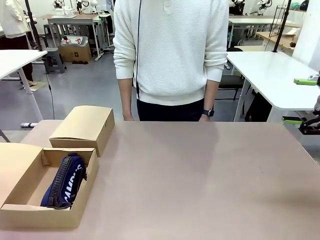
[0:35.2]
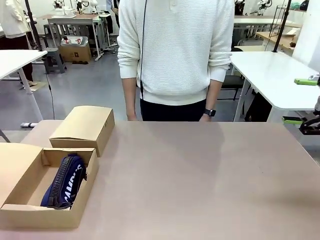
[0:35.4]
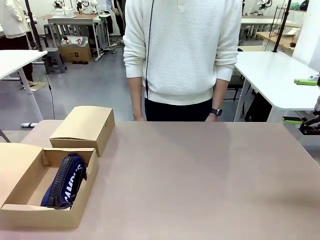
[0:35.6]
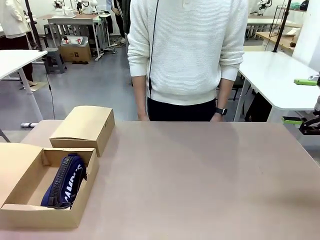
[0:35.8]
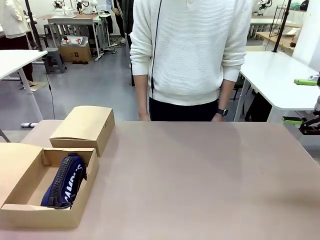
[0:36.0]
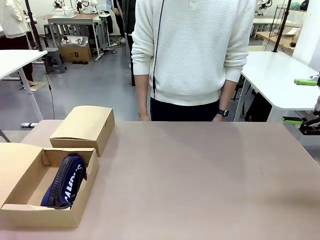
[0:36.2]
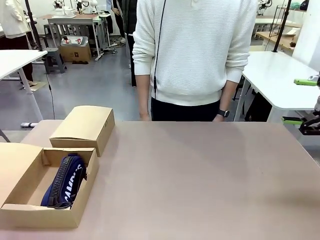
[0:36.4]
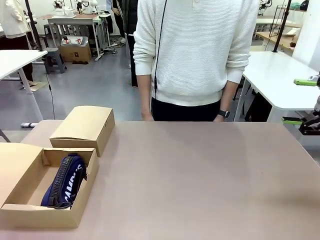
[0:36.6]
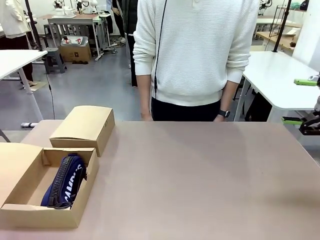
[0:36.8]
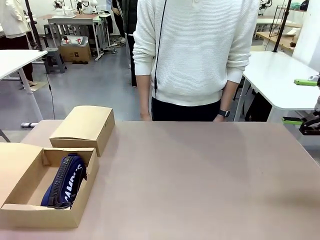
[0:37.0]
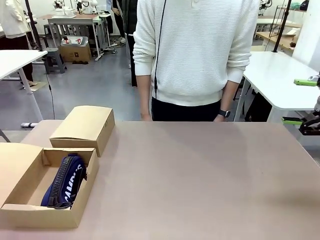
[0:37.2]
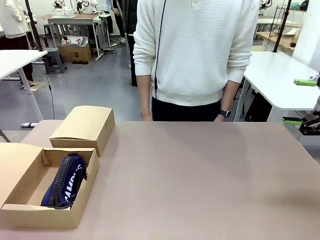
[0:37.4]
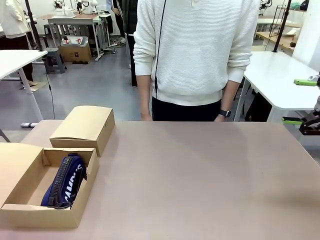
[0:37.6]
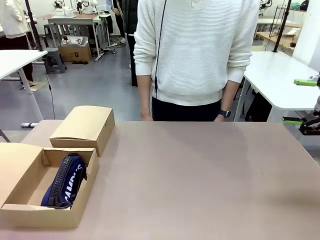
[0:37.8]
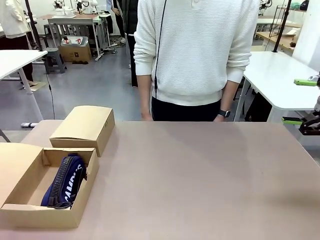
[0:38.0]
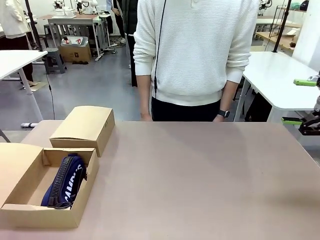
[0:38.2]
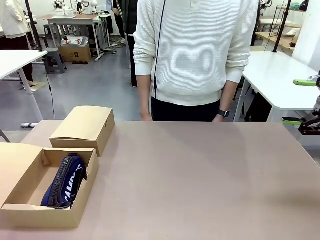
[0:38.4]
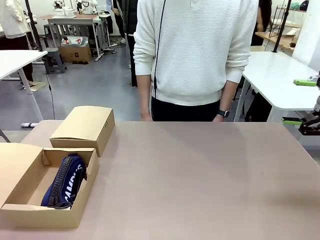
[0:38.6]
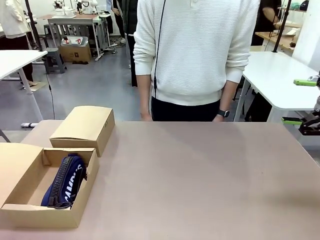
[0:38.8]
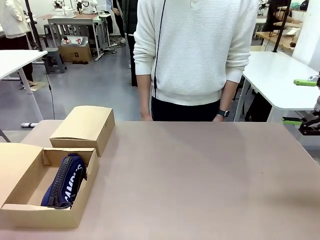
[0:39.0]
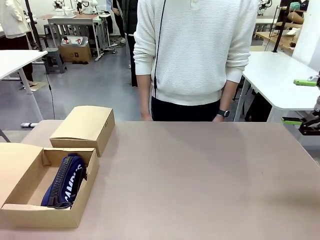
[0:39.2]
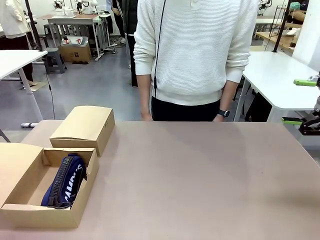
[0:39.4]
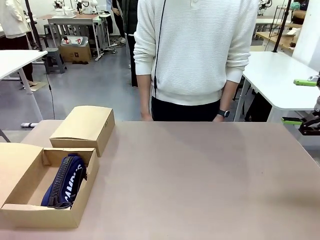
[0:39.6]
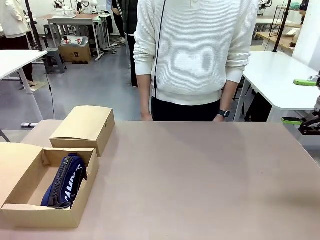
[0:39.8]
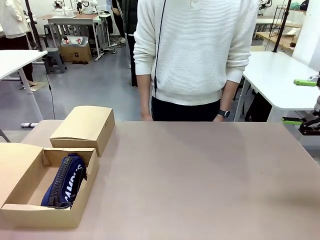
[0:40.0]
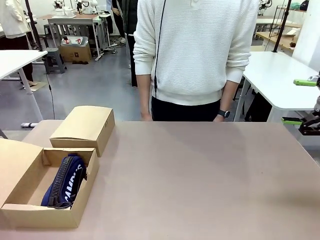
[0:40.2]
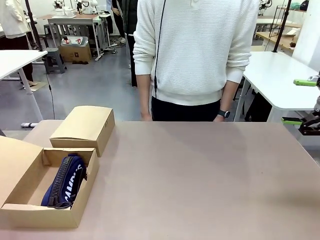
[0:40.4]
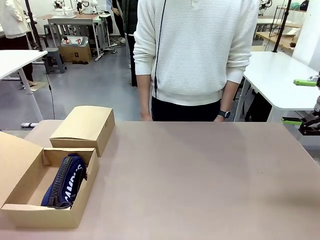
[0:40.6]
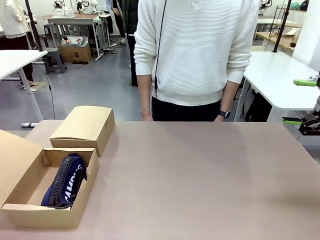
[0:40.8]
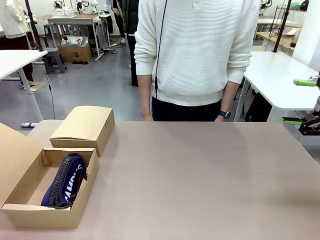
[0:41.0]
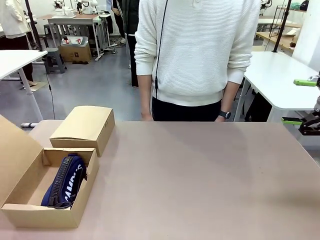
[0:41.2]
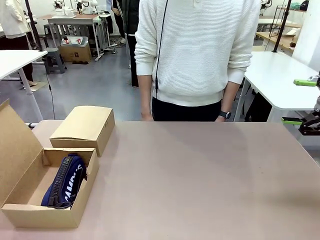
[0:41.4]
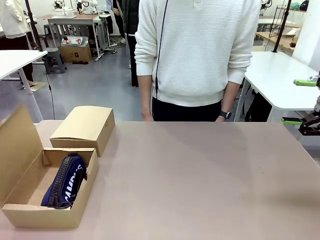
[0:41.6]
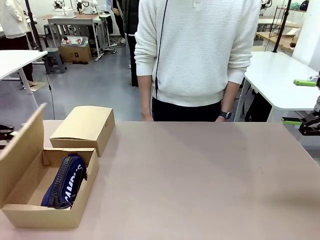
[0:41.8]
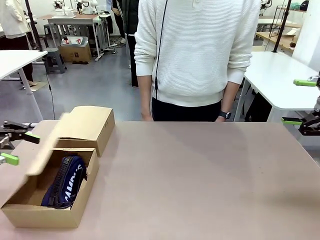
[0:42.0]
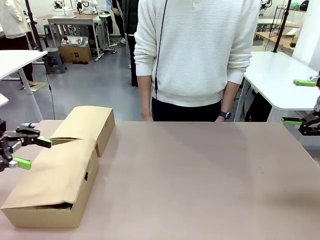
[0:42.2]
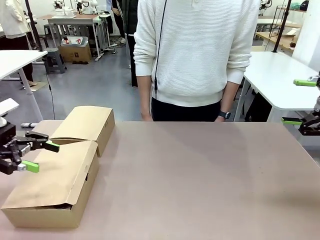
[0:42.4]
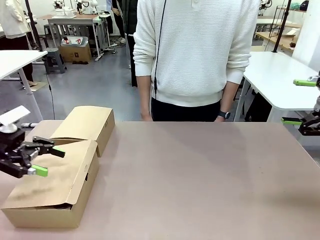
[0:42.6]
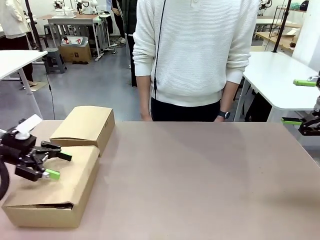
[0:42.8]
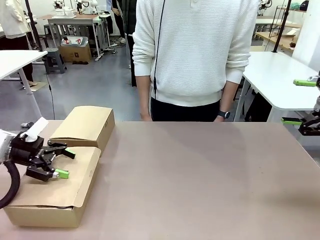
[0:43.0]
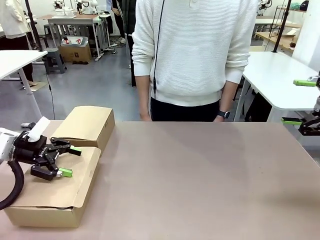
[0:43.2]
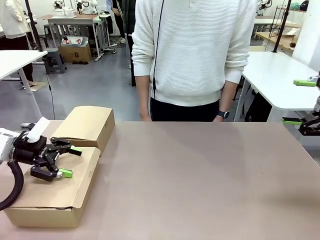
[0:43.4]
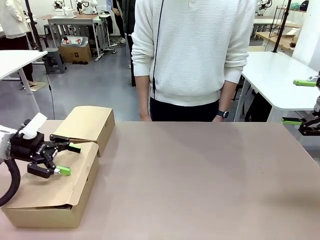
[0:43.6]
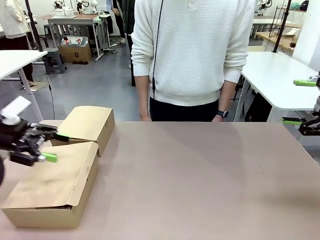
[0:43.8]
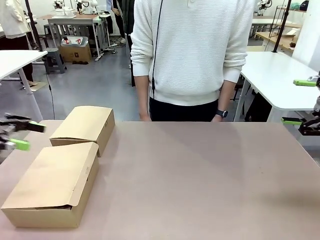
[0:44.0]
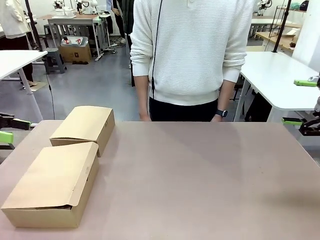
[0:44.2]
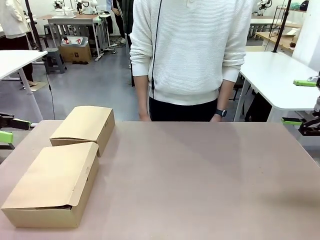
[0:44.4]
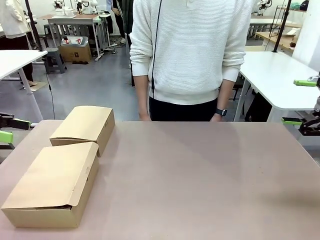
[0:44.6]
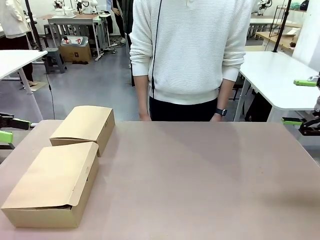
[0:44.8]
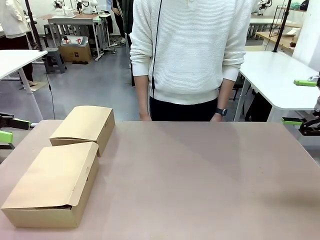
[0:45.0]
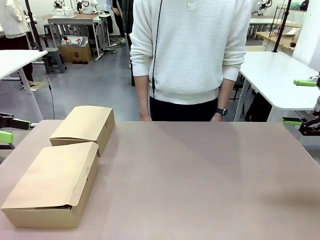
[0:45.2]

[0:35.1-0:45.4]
Task: Place items inside the box.
Robot: Close the lid of the Mailer Box closest to the robot.
Person: Close the lid of the box facing the person.

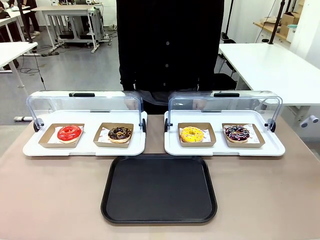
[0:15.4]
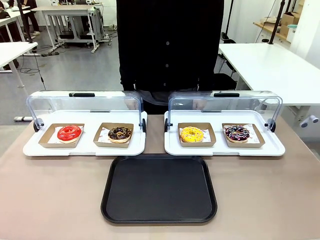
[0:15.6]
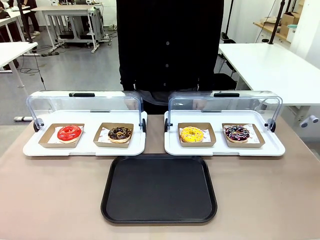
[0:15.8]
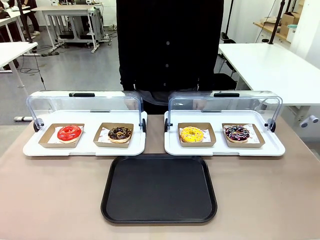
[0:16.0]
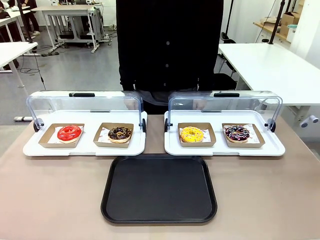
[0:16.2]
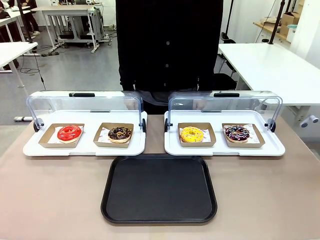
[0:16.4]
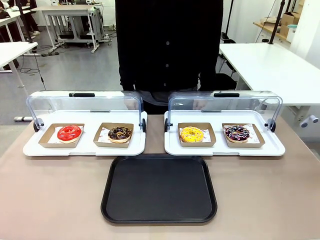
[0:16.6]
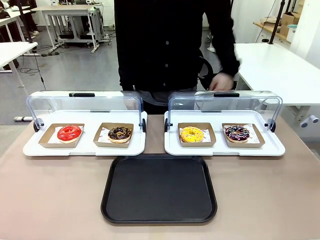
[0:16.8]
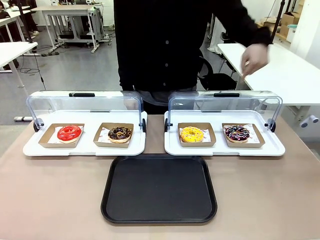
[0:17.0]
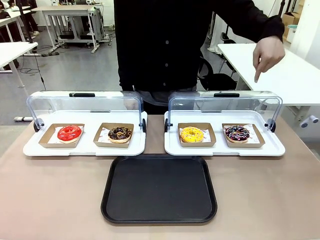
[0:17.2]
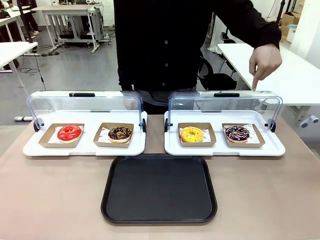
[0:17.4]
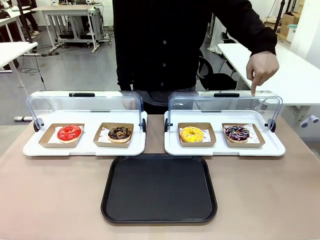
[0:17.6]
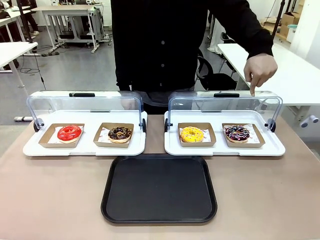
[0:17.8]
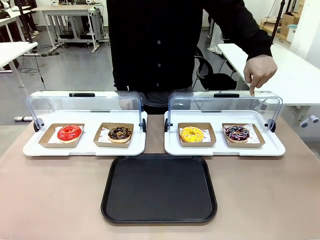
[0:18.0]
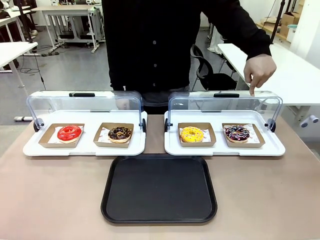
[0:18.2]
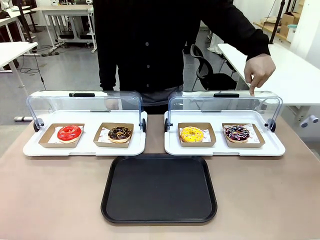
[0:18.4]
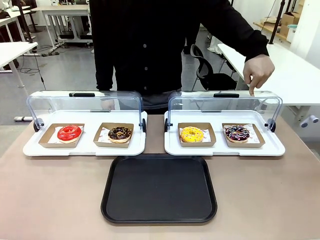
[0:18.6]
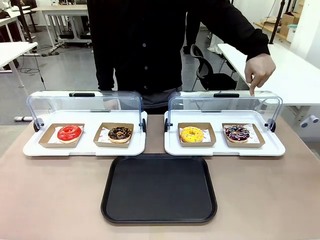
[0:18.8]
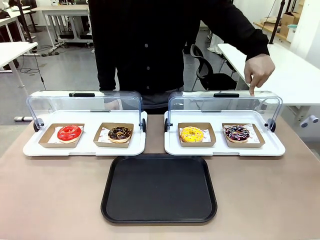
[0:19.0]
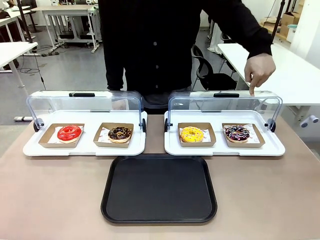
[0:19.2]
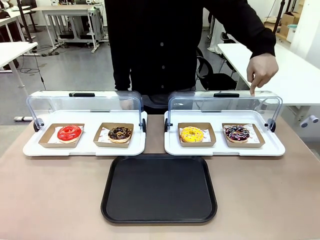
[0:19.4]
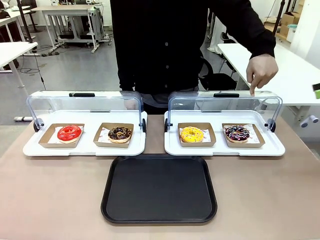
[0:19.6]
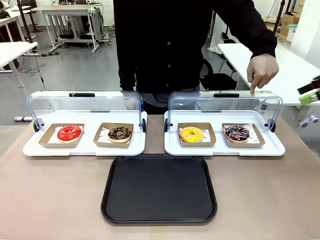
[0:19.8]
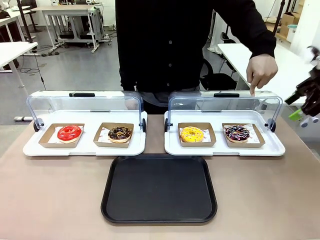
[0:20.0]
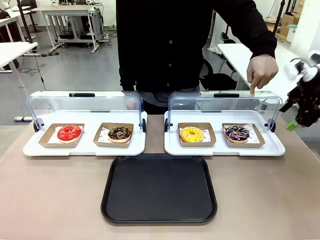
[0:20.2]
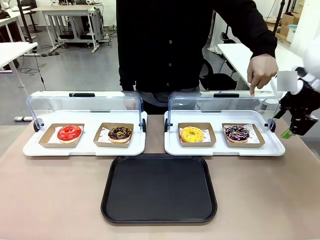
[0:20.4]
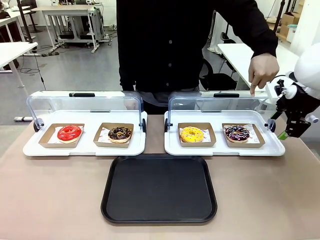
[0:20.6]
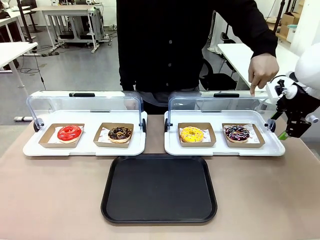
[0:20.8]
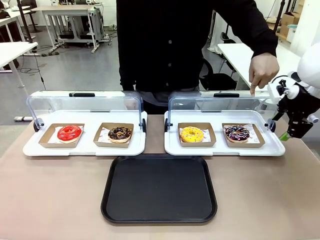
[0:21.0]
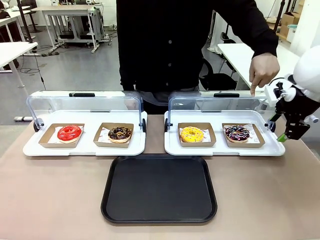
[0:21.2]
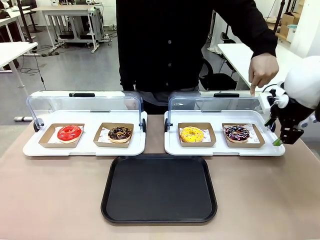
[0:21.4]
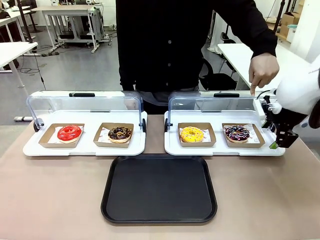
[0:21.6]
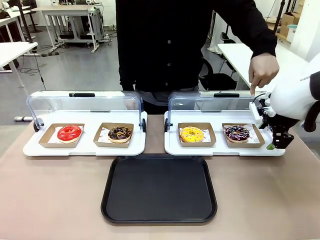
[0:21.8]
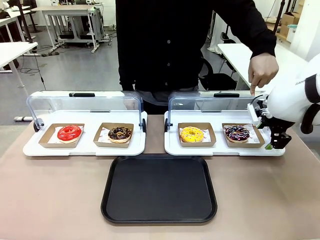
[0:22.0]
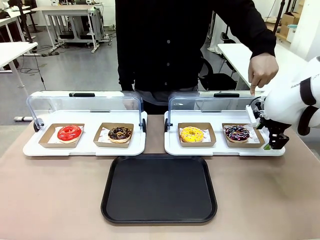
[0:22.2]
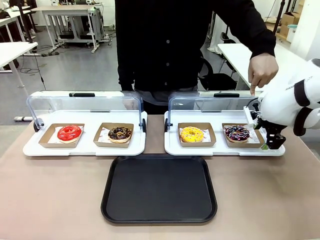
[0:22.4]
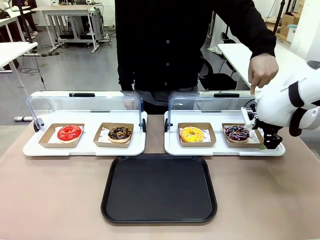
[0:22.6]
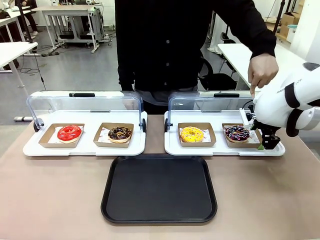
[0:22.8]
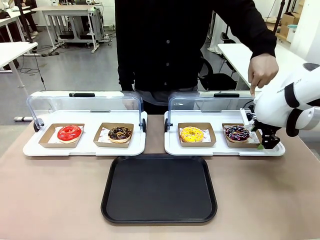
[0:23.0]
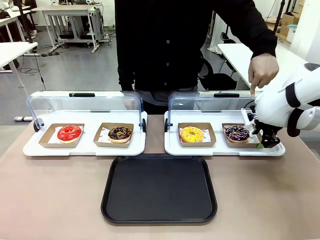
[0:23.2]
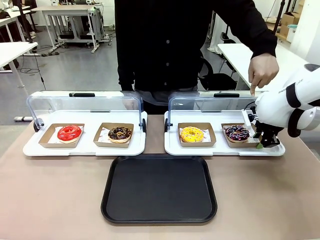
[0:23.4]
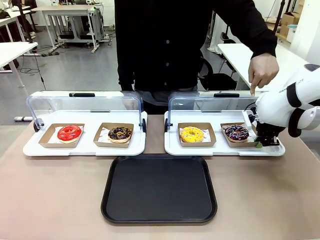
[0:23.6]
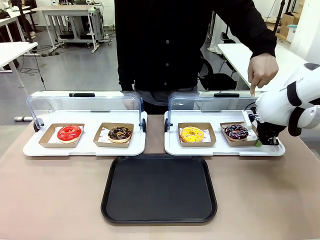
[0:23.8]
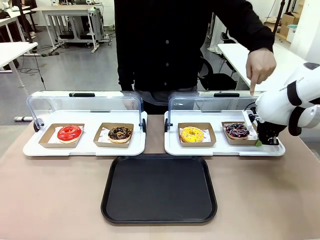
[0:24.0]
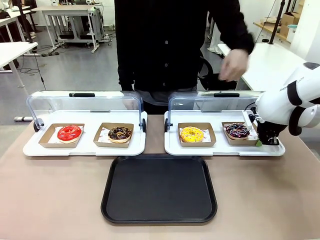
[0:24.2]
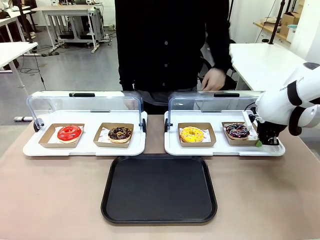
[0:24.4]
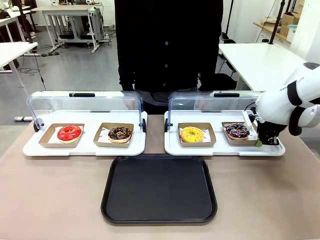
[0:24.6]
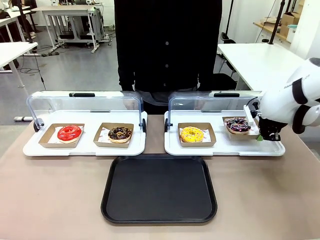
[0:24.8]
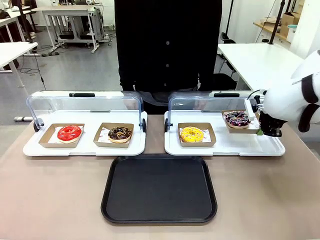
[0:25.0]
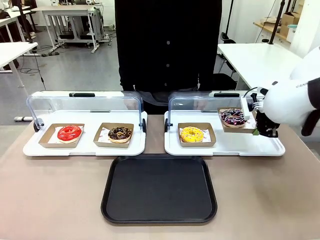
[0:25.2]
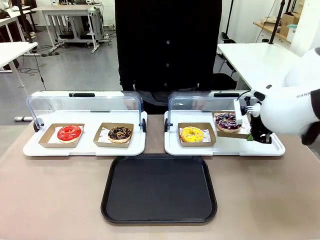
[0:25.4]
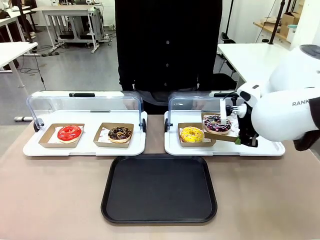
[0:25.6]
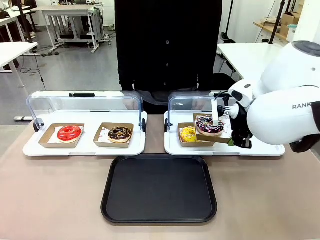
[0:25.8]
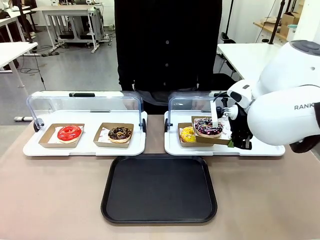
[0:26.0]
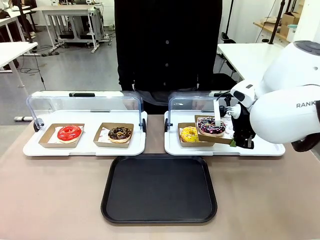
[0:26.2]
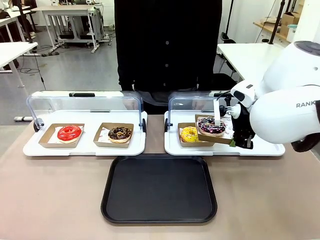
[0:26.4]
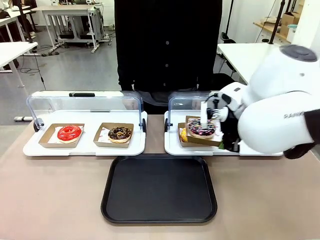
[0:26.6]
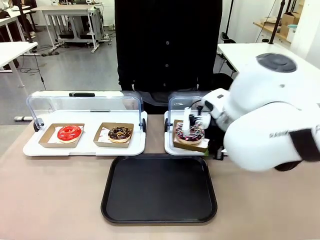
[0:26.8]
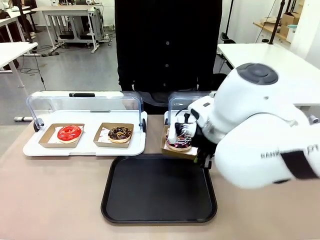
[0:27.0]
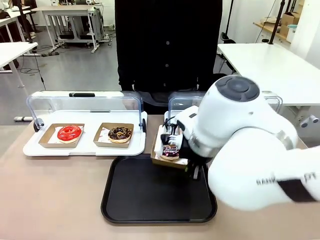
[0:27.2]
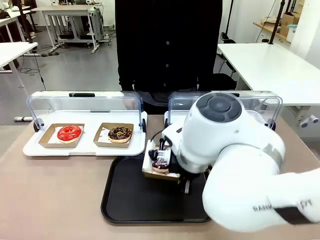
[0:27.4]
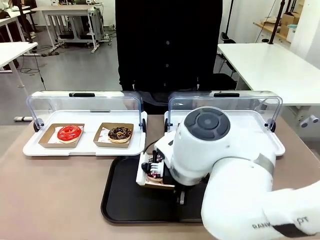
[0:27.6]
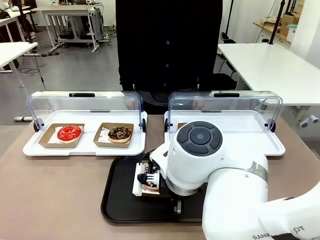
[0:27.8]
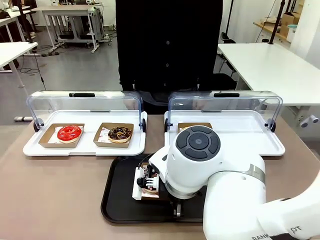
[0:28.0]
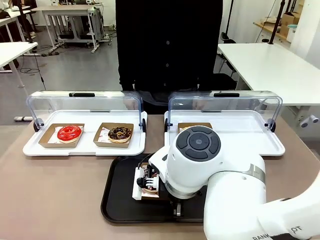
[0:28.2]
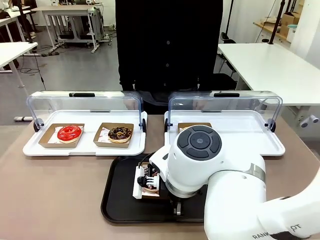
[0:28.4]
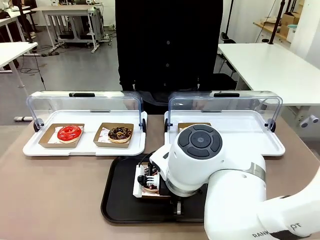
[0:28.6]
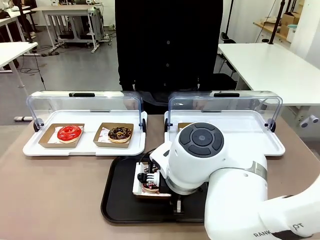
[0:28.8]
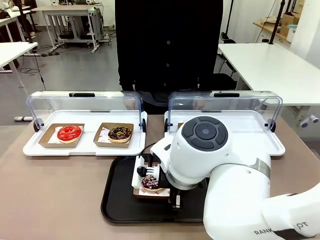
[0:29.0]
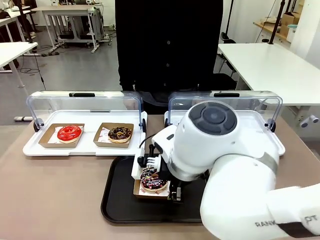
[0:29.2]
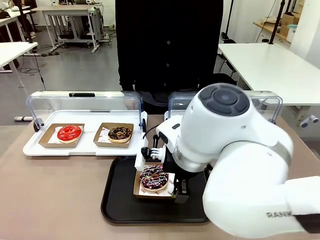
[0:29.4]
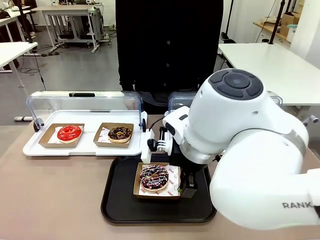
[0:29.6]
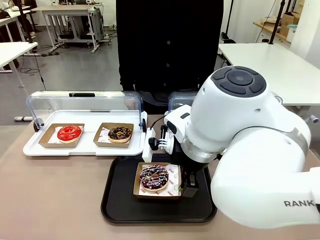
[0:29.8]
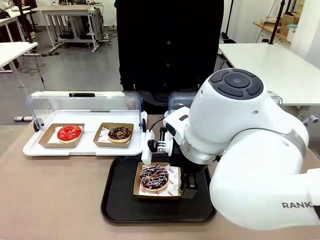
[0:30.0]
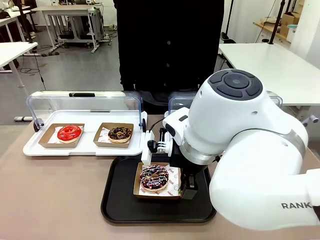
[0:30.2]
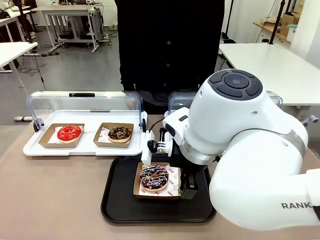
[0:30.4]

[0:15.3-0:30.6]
Task: Move the fourth donut from the left to the tray.
Robot: Pick up the Paper togo box containing the Donut indicated by the person and place it on the Handle tray.
